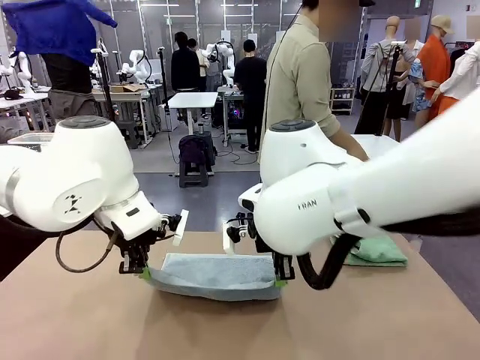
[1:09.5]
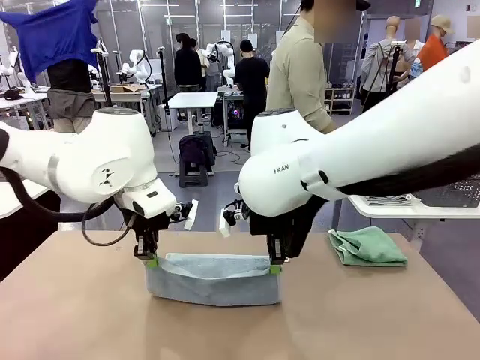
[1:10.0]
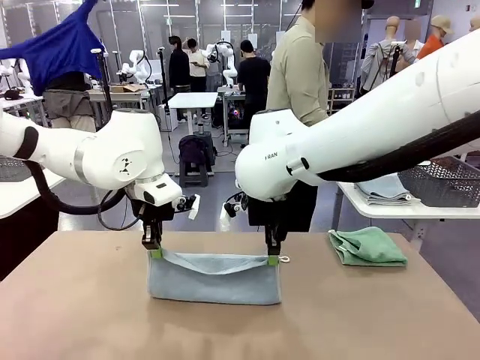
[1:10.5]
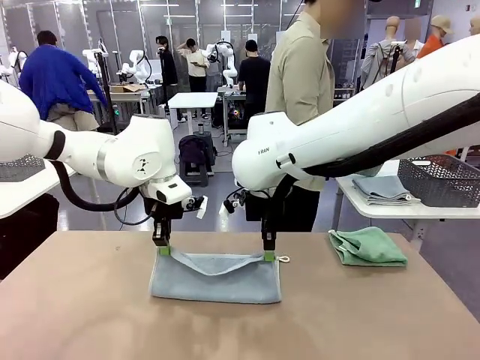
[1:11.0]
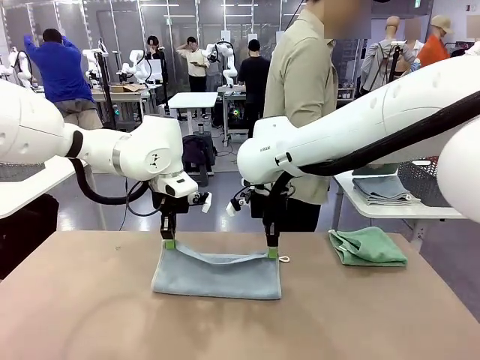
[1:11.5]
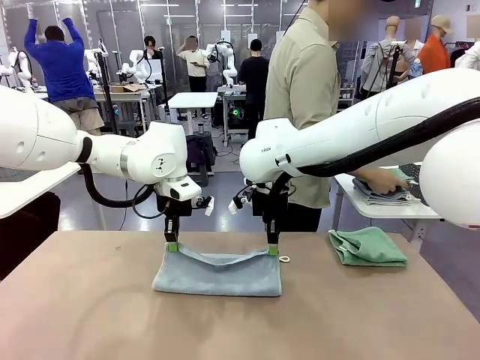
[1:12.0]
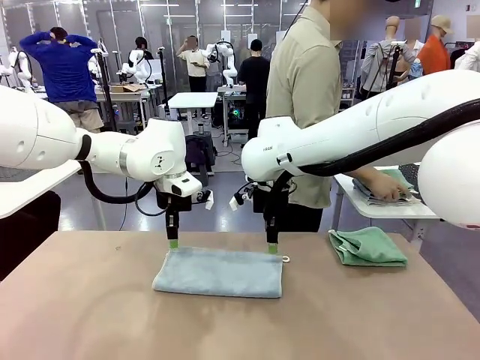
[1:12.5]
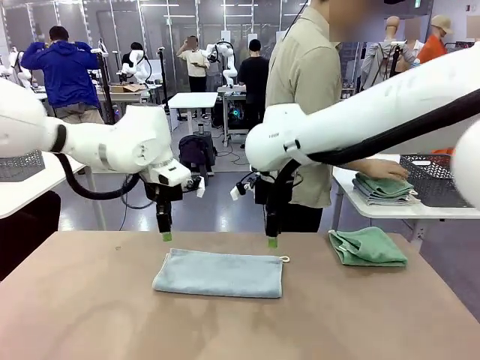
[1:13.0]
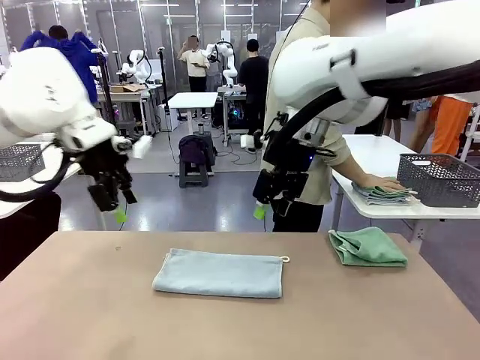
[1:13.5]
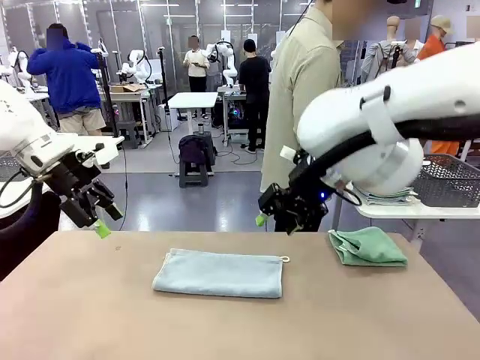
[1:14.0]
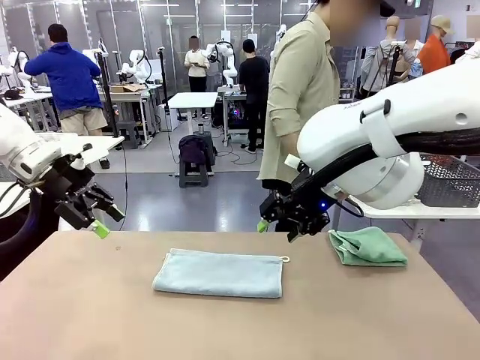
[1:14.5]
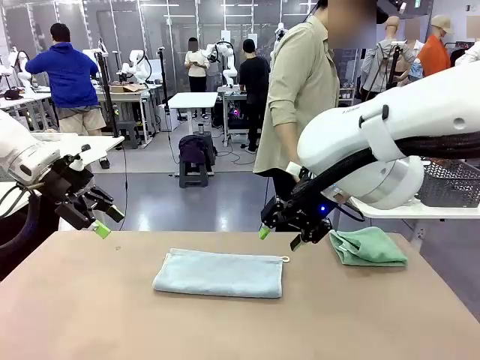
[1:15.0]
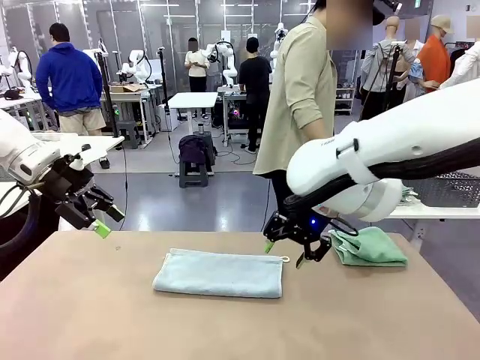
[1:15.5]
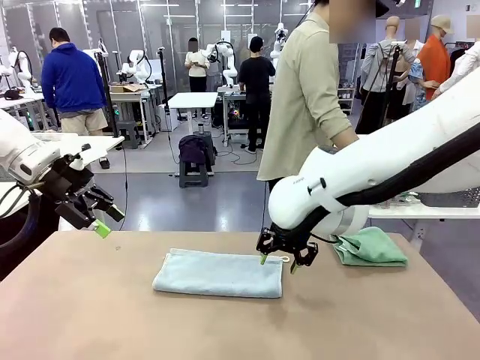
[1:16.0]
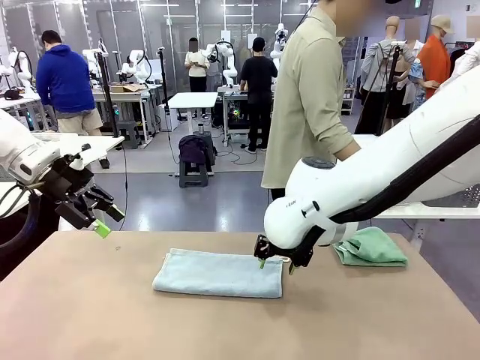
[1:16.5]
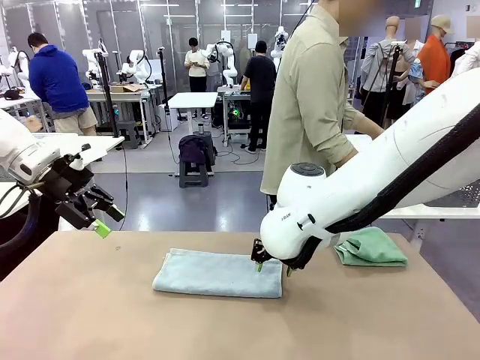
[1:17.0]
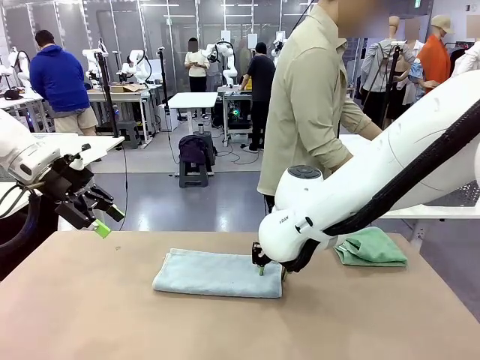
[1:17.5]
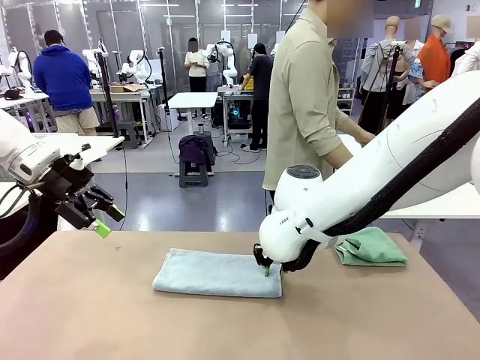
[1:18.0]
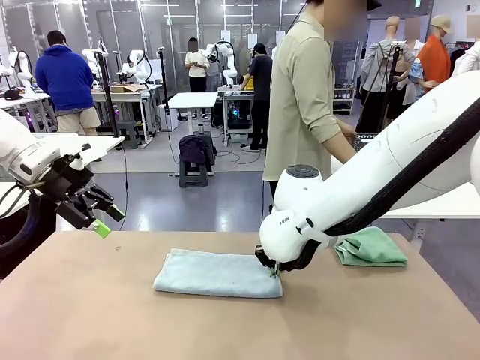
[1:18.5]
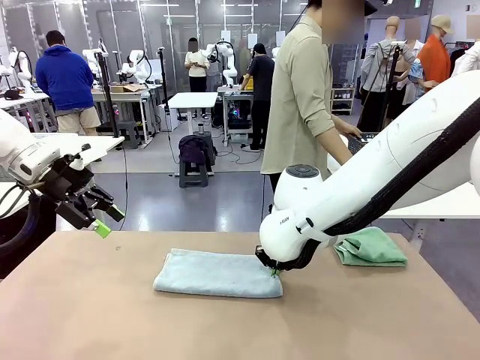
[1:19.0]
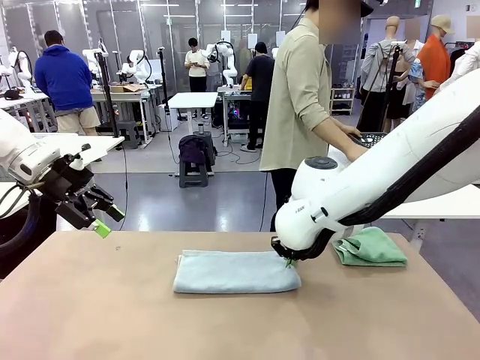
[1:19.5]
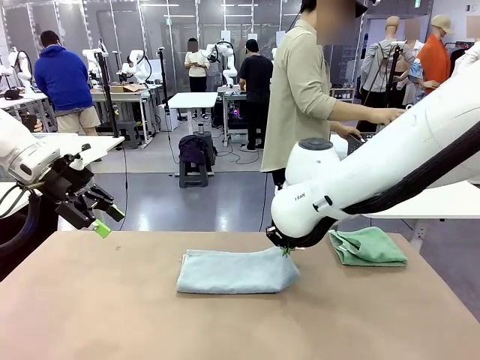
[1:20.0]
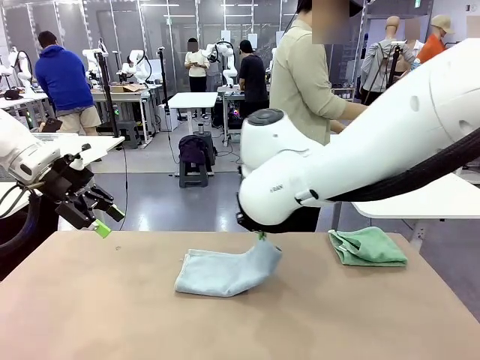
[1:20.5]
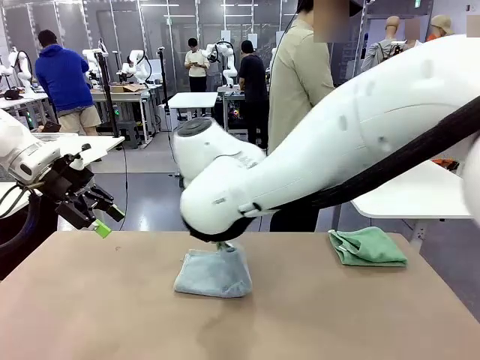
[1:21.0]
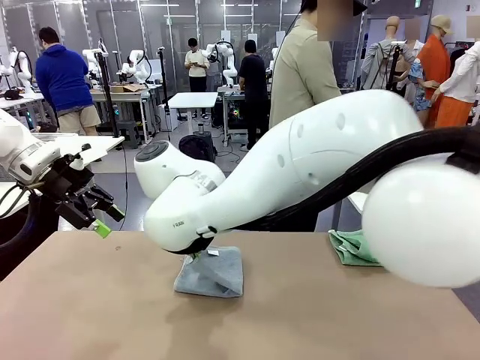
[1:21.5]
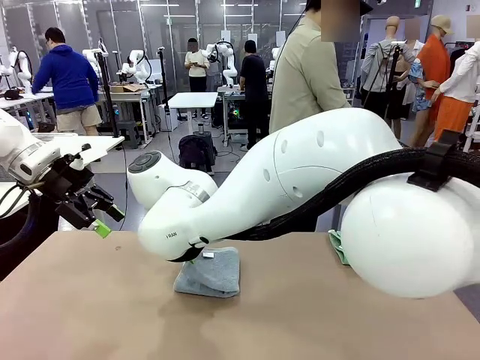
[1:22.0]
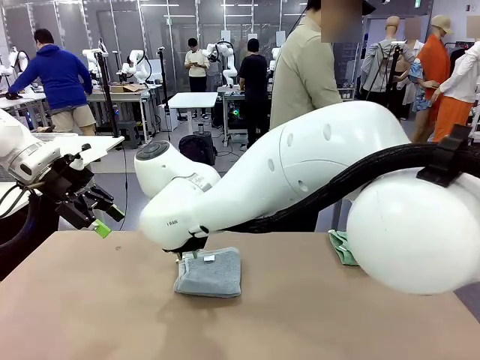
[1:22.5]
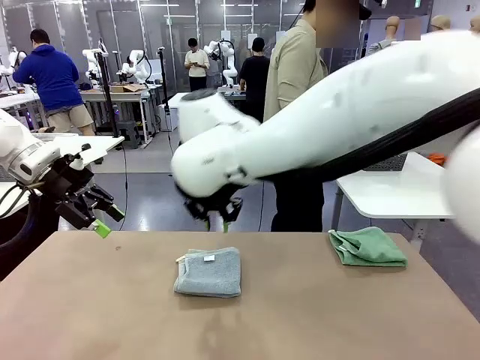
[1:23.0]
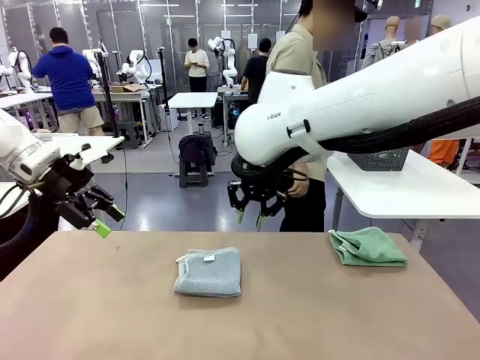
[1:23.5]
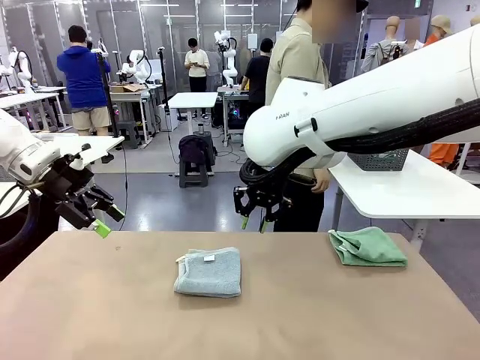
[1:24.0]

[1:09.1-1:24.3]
Task: Fold the towels and place them in the basket.
Robot: When a person lays out a Towel with hook on the table, fold it in half twice.
Person: Pick up the stack of towels from the right side of the human table, place it into the basket, and put the basket at the center of the table.

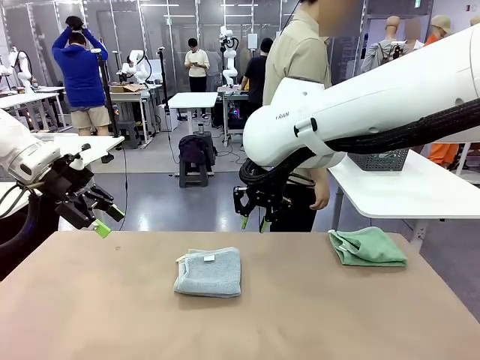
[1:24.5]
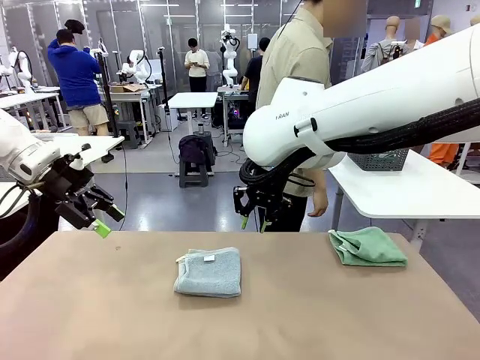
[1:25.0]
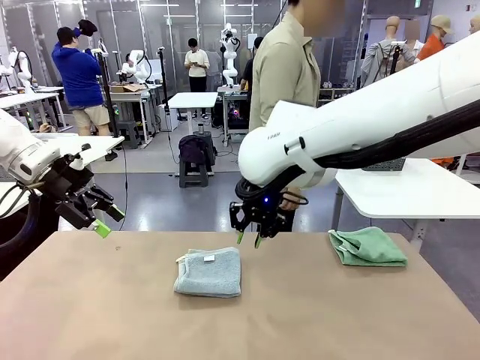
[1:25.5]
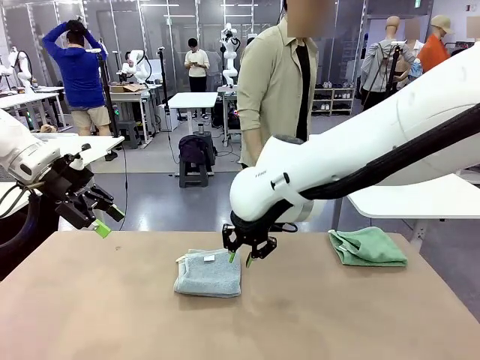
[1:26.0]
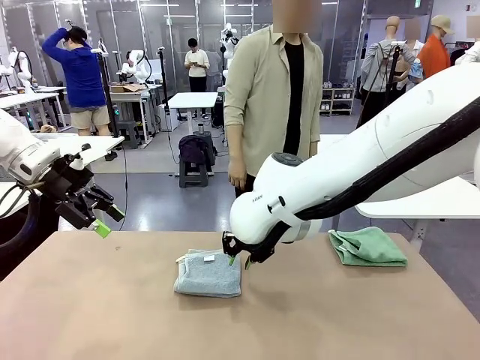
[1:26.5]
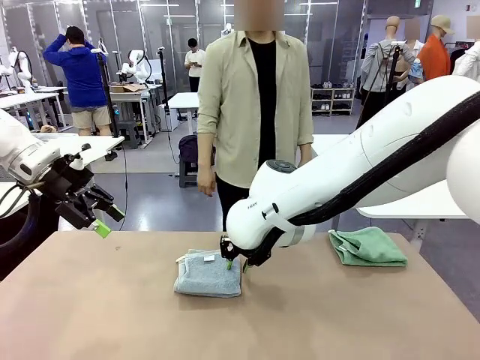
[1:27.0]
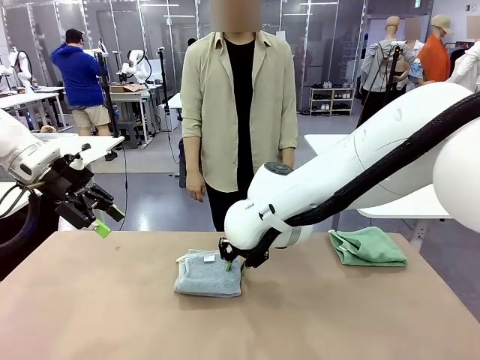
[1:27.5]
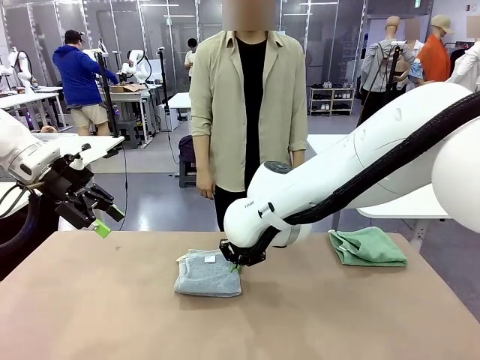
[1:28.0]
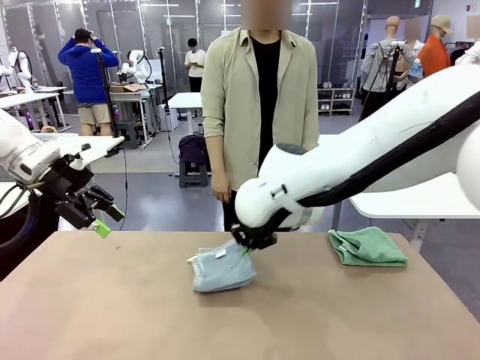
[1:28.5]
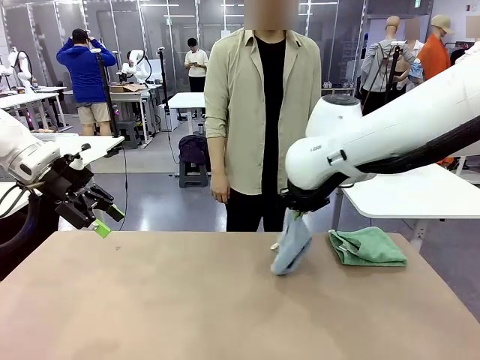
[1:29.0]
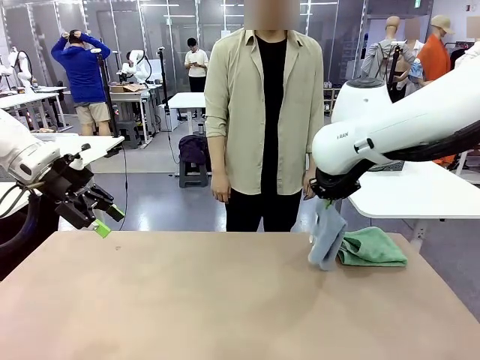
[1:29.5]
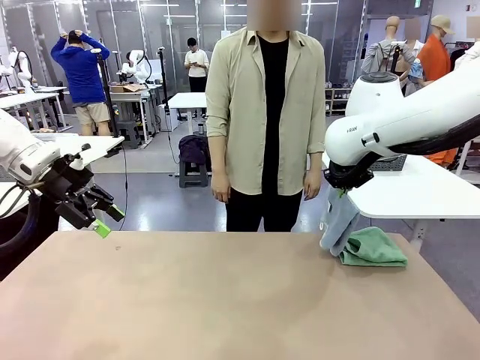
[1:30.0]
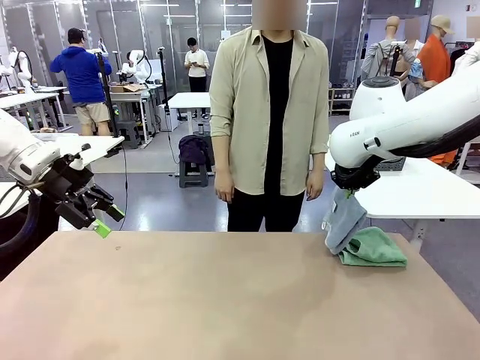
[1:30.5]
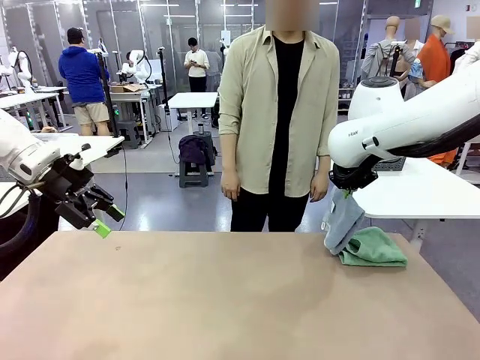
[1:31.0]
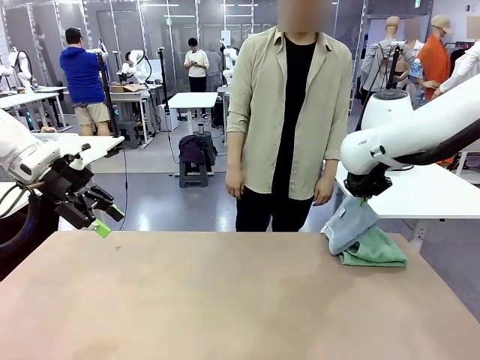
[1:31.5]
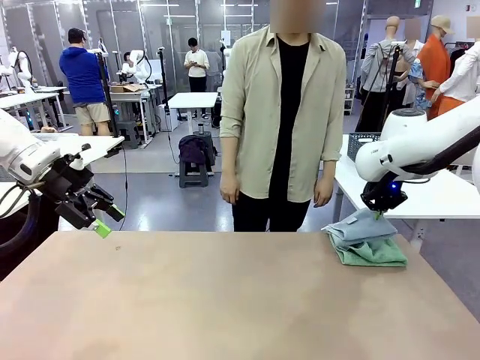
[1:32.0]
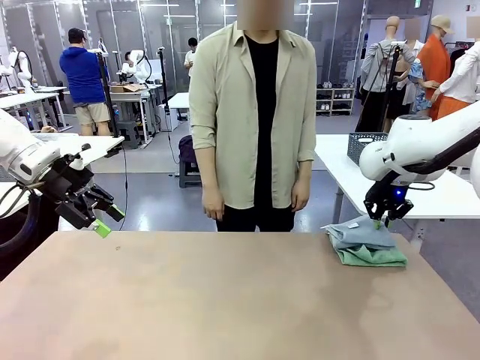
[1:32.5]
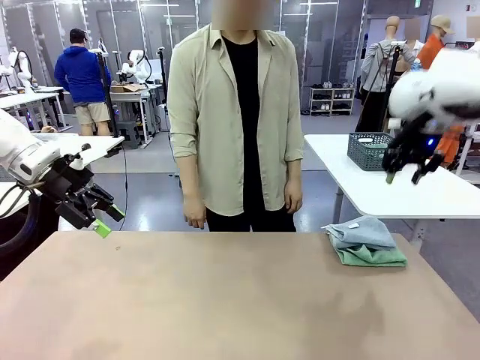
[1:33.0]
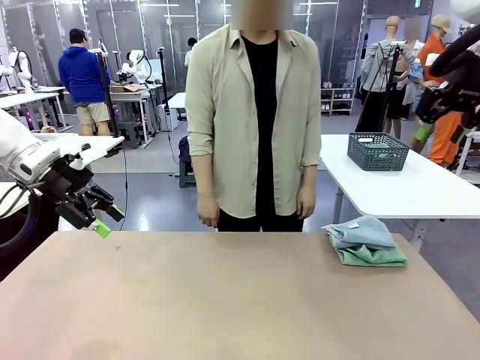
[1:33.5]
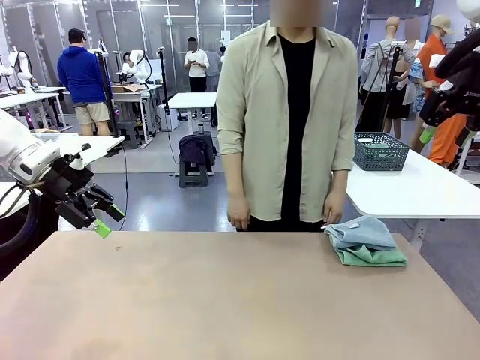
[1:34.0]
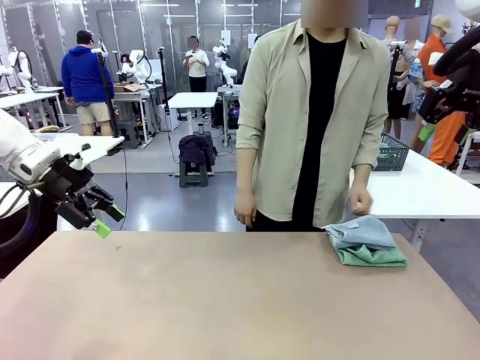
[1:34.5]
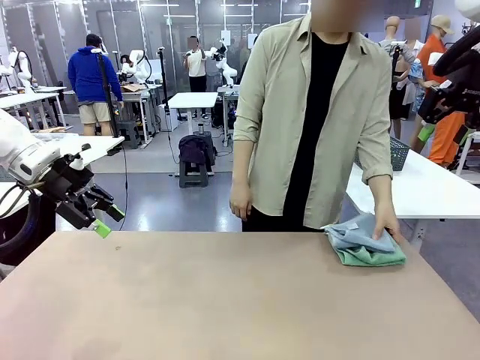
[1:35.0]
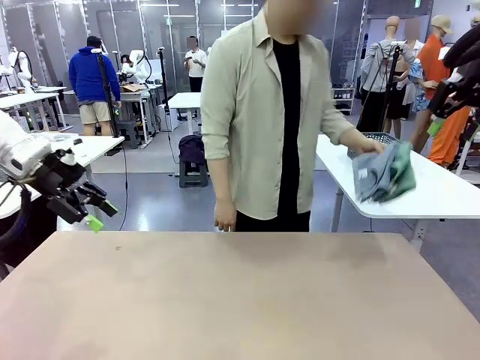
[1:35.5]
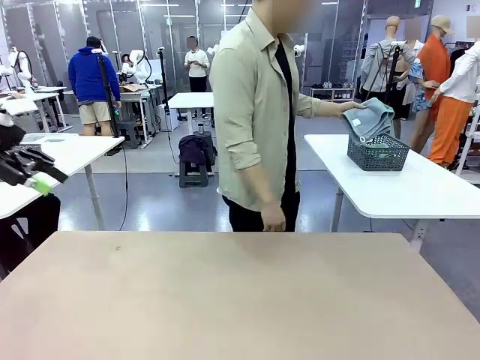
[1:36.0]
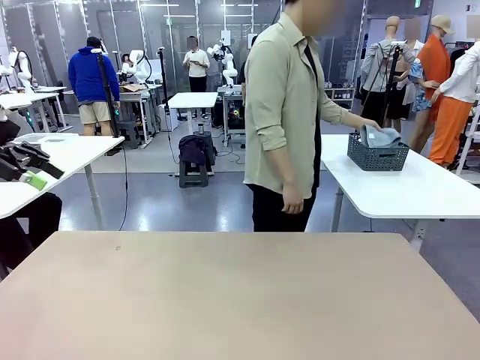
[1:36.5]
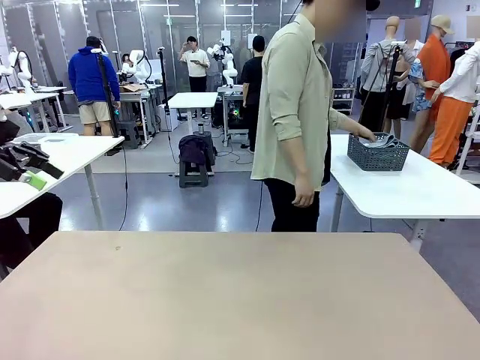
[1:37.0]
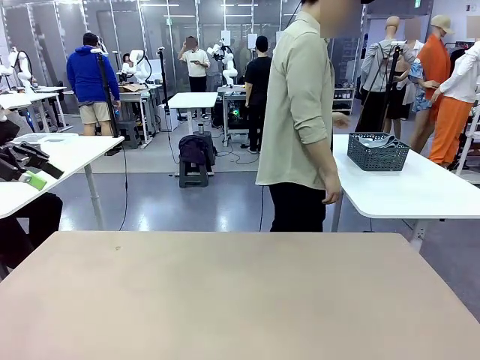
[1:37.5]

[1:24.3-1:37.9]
Robot: Stack the folded Towel with hook on the right side of the table.
Person: Pick up the stack of towels from the robot table and place it into the basket.
